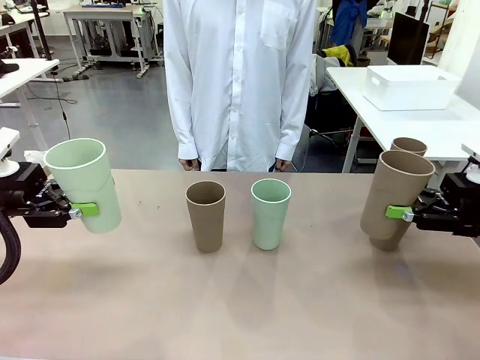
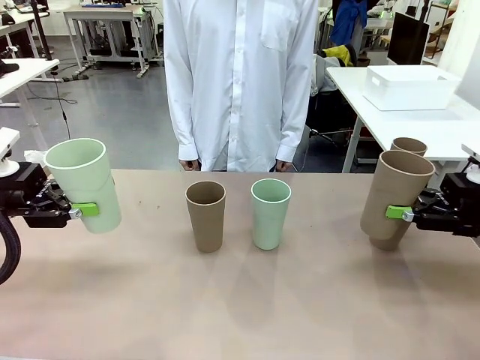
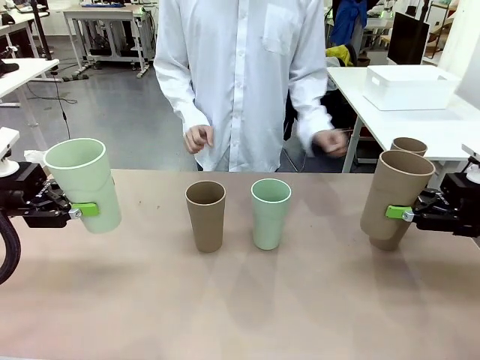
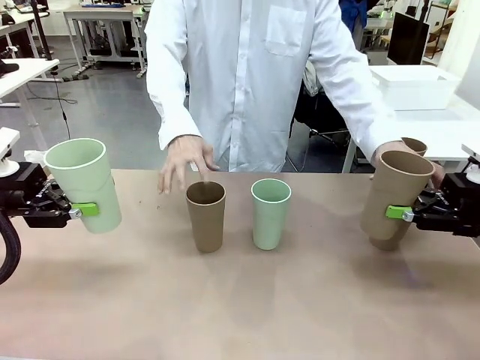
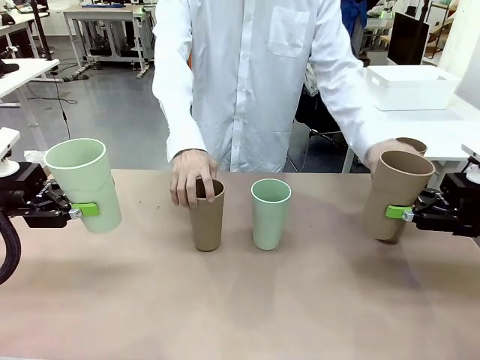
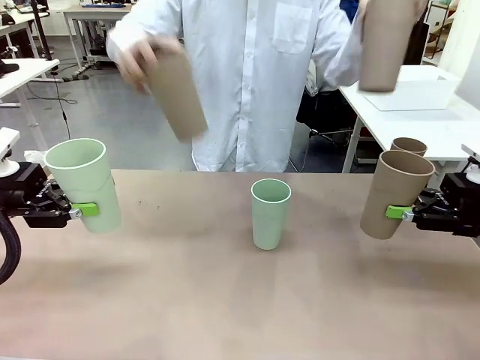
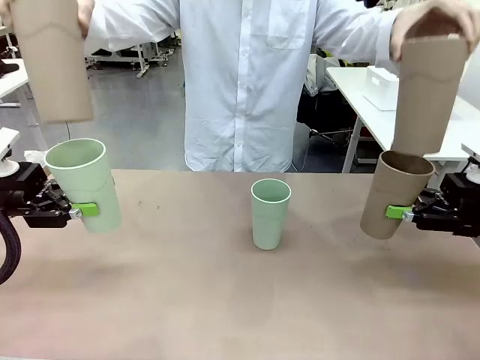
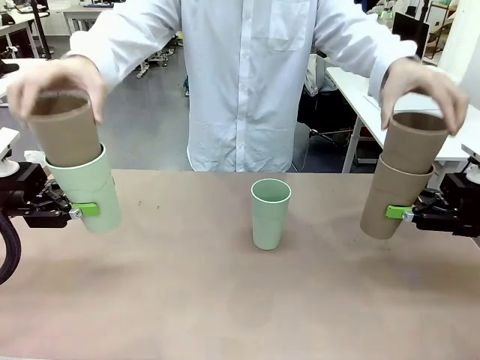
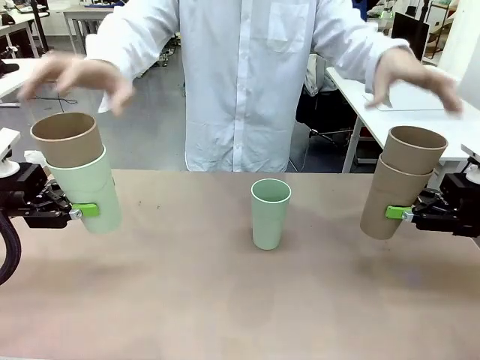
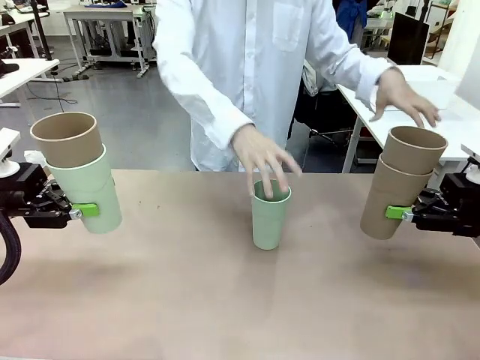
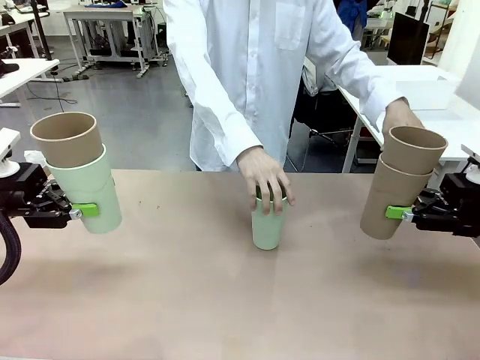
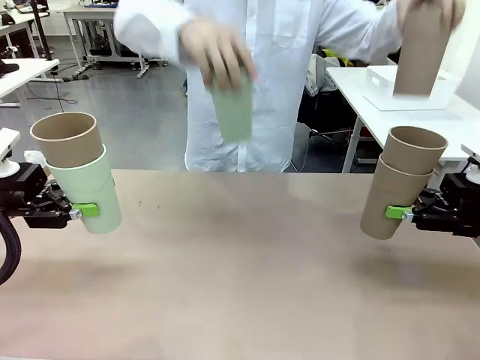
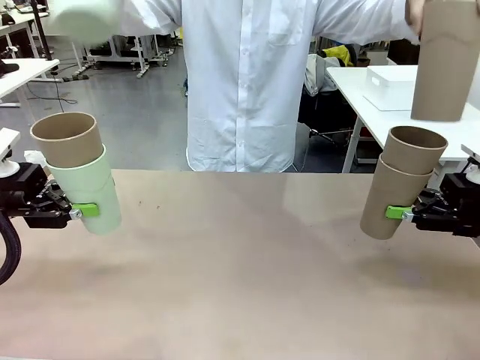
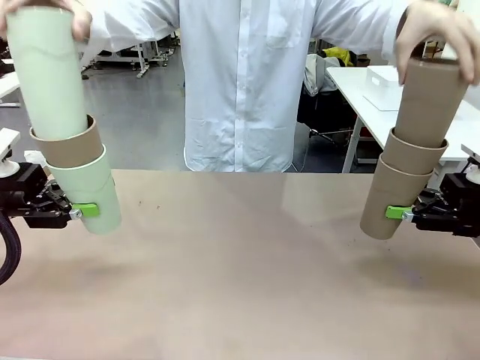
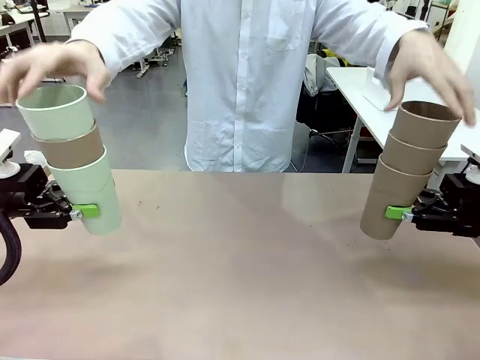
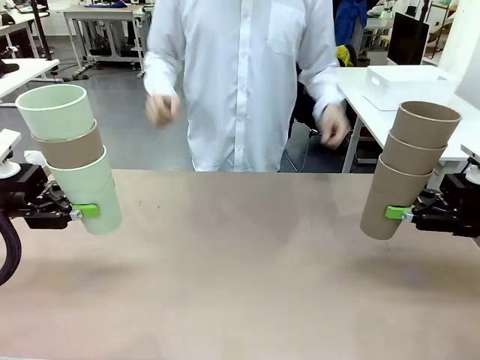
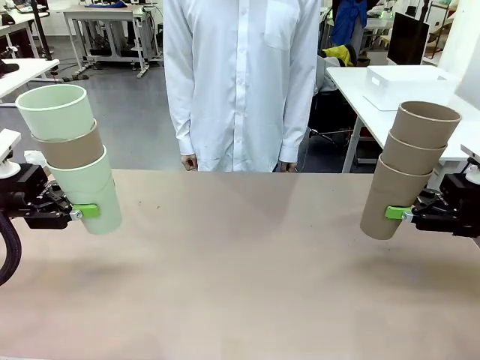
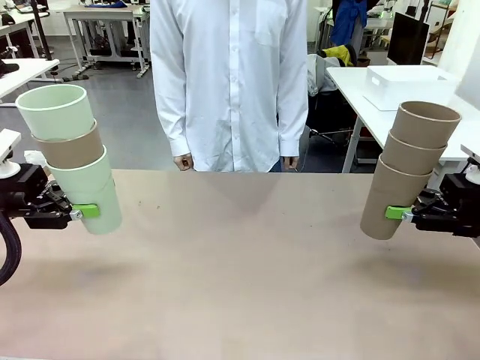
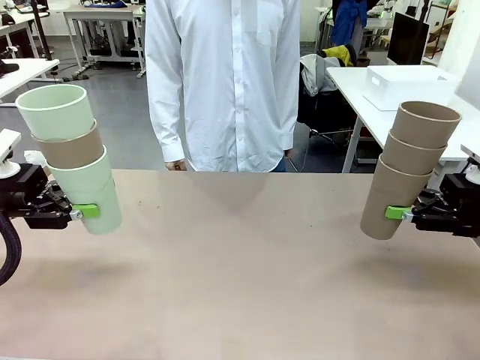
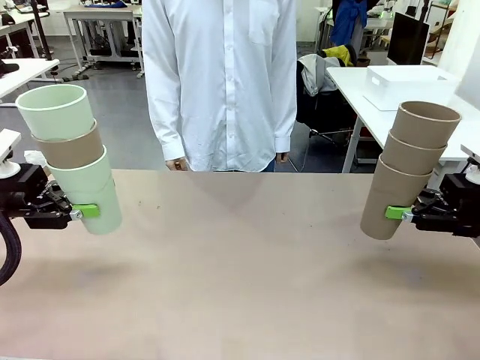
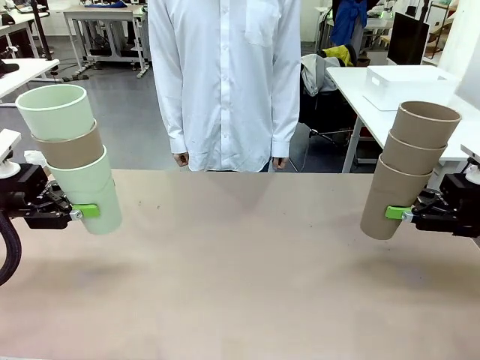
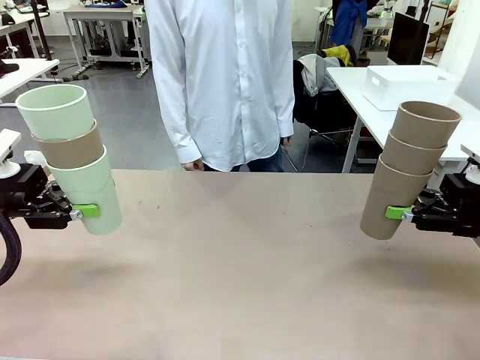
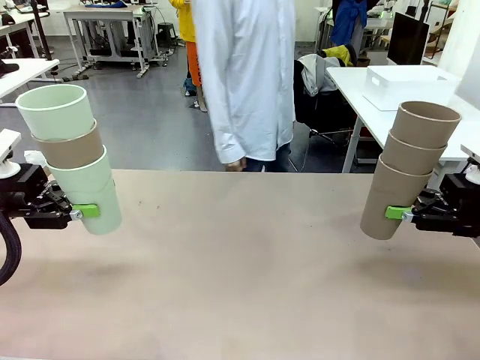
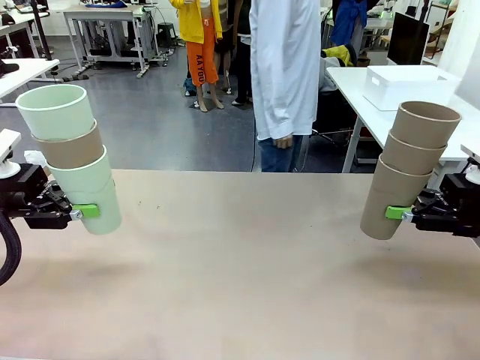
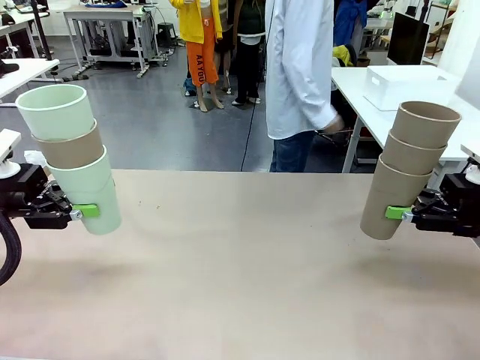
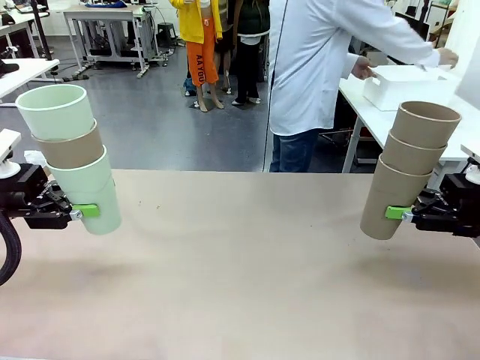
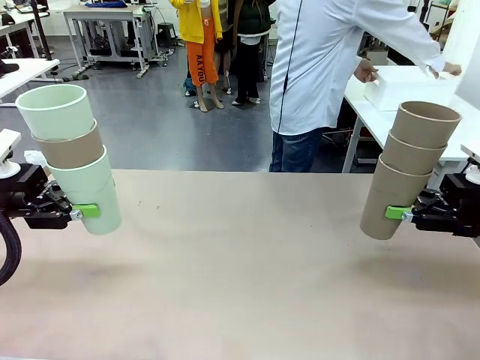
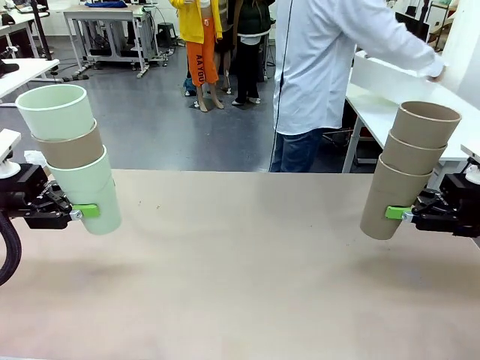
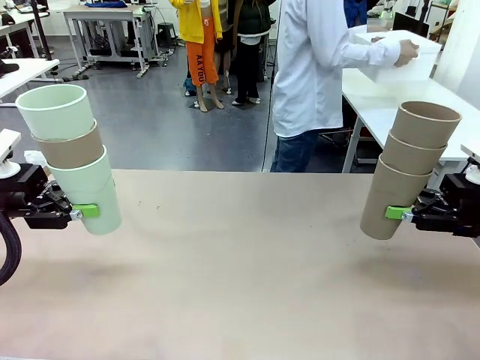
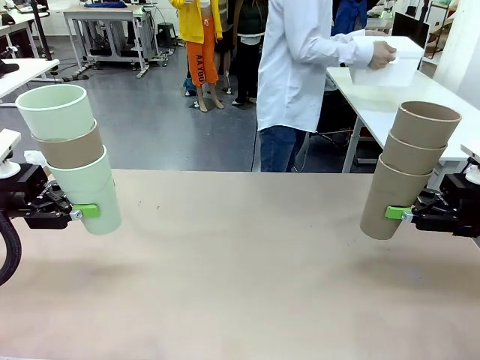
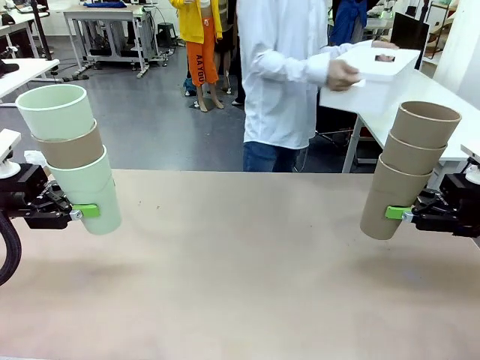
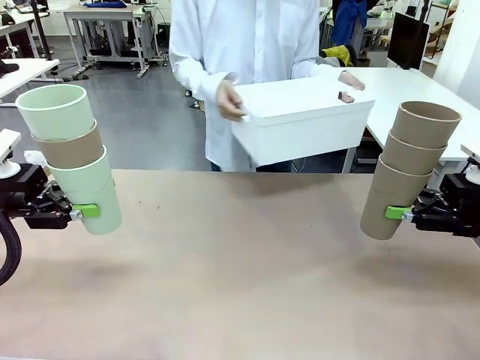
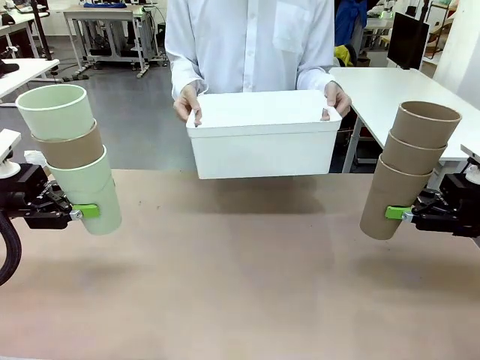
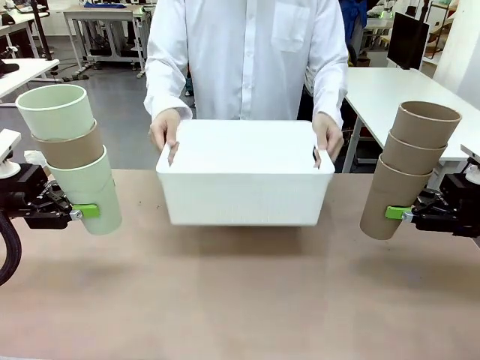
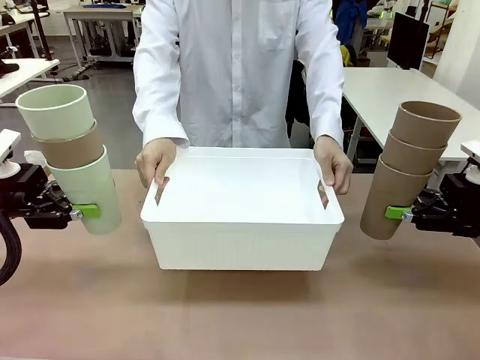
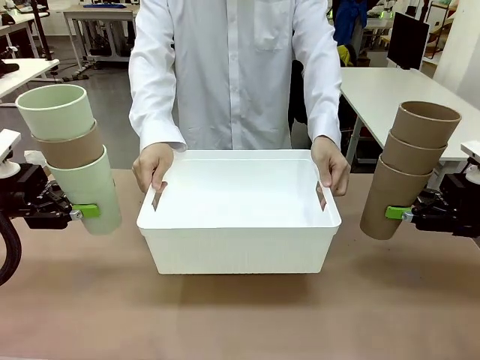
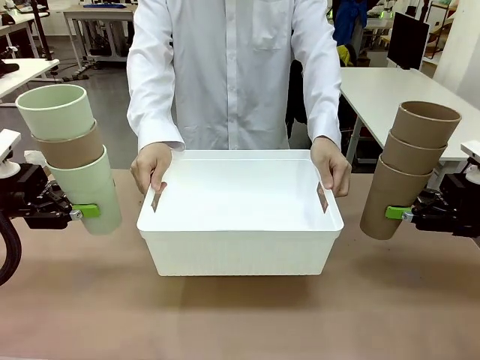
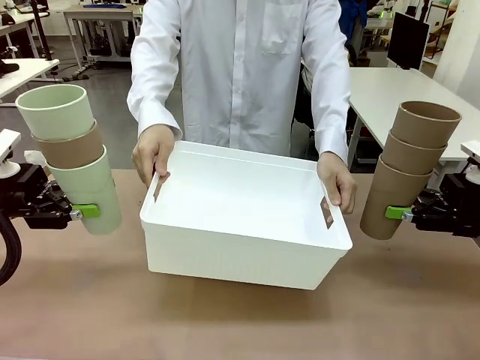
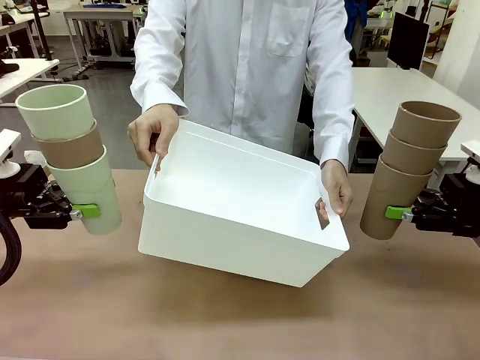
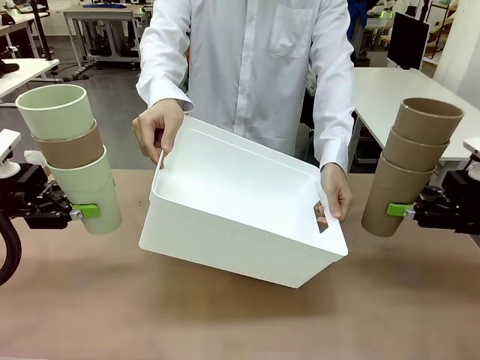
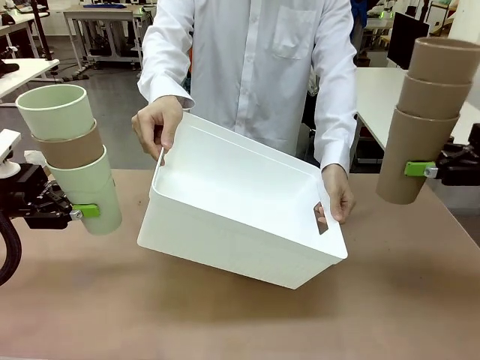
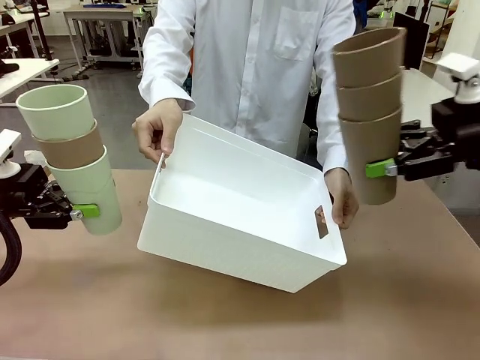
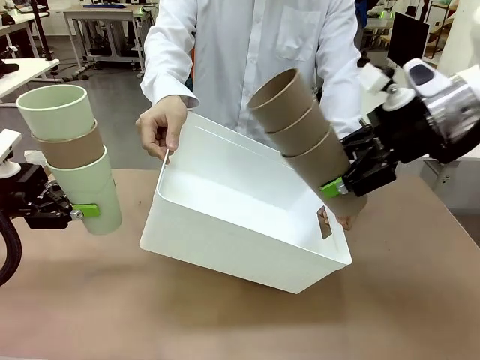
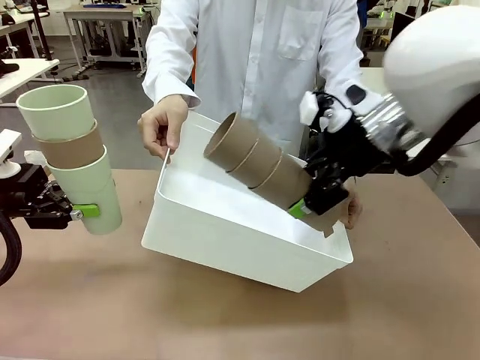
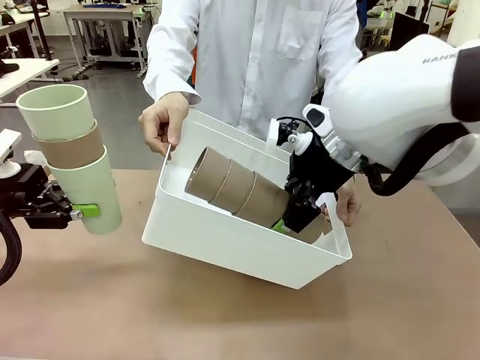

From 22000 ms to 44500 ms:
Task: Stack the cups and store them in the basket.
Robot: Place the stack of Reusable plastic cups into the Pantry Basket.
Person: Pick up the basket from the Human Table, bring it to the front of the robot, and present it.

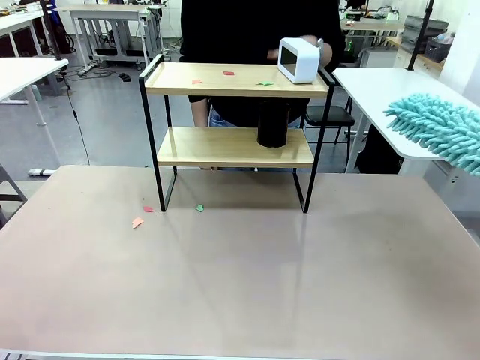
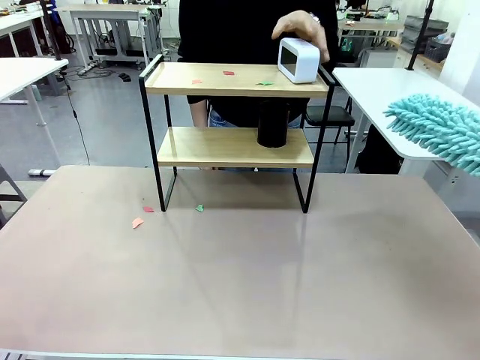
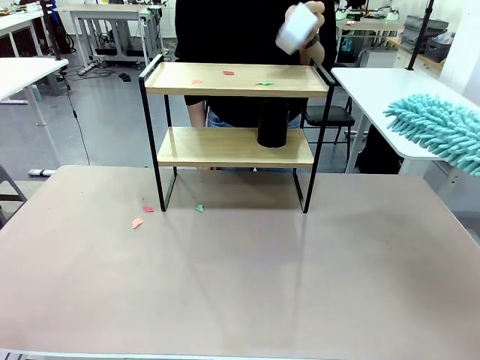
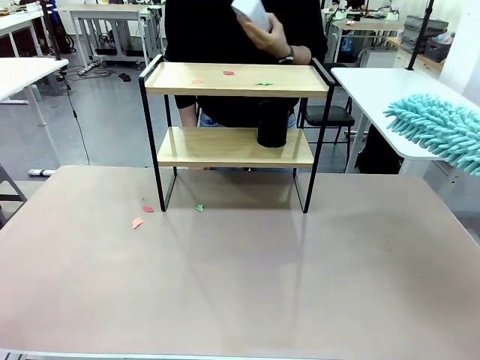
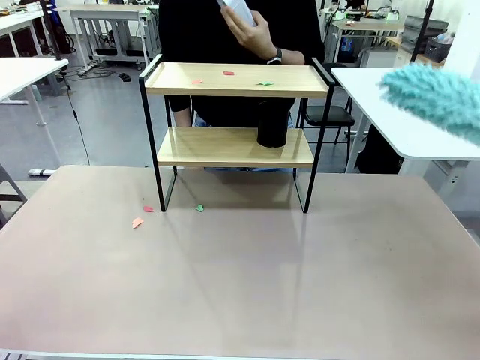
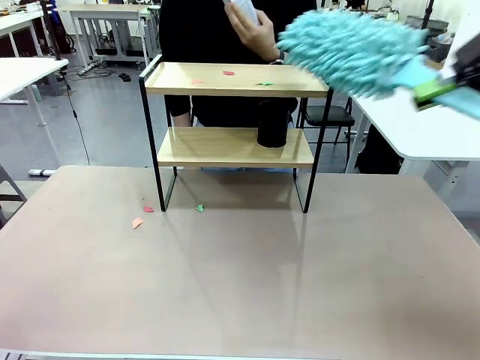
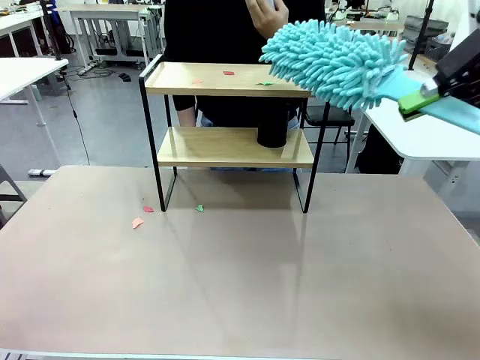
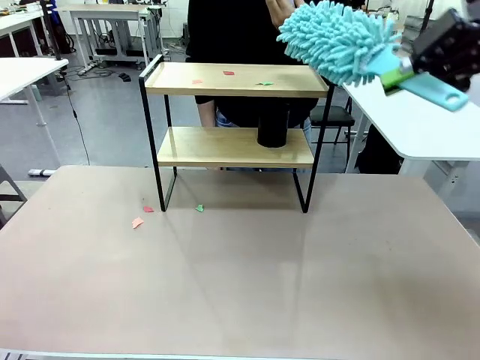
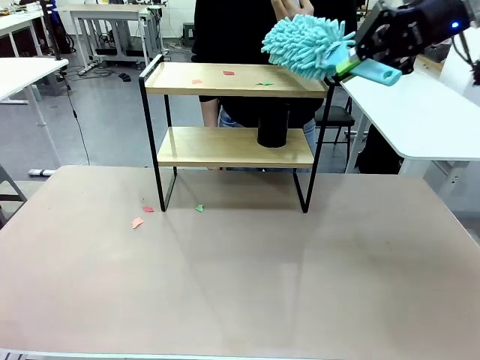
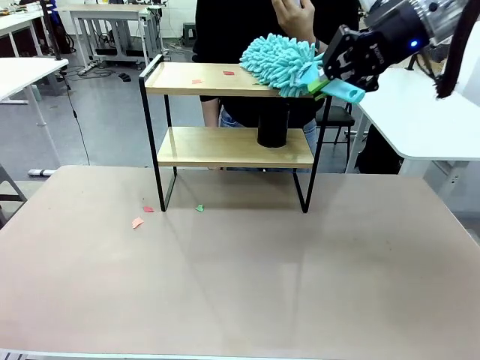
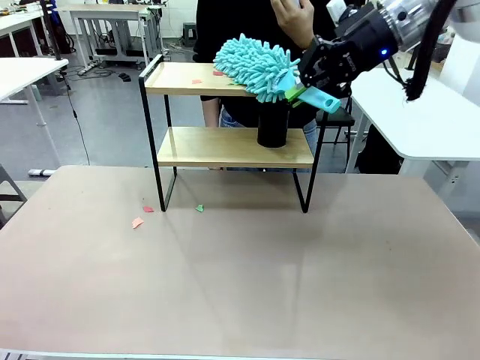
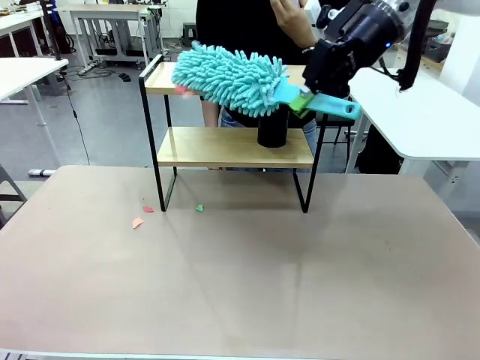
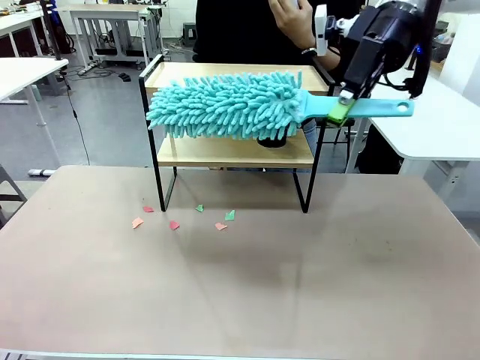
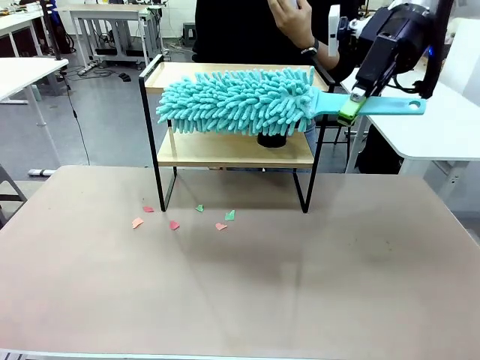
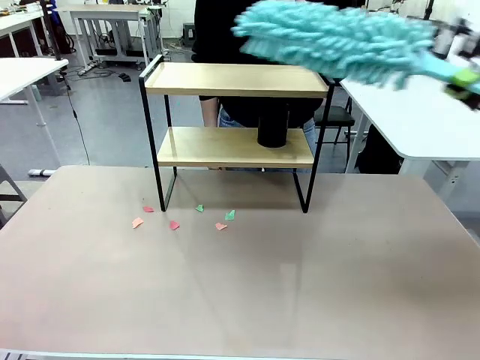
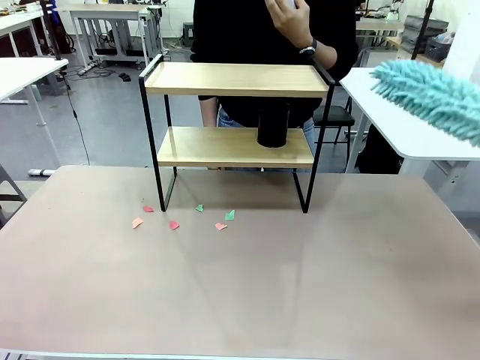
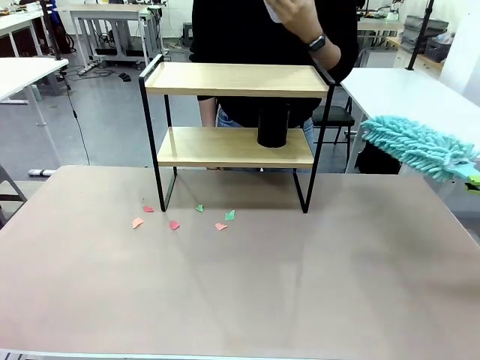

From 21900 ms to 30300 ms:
Task: Clean the shelf.
Robot: Clean the remaining tier of the Shelf with the Duster once objects are removed.
